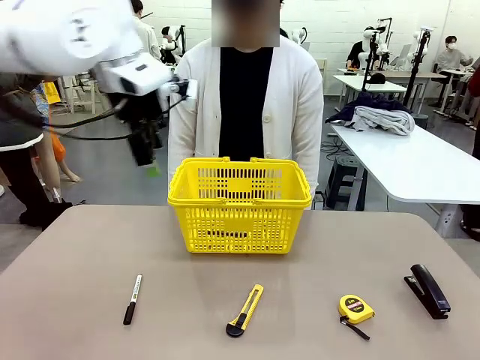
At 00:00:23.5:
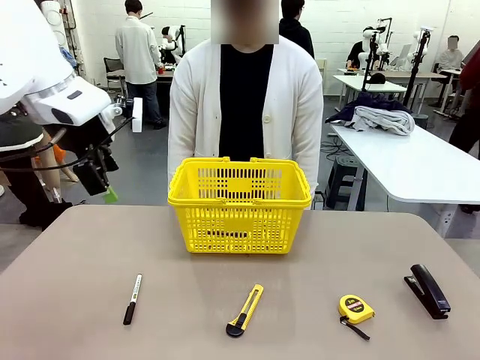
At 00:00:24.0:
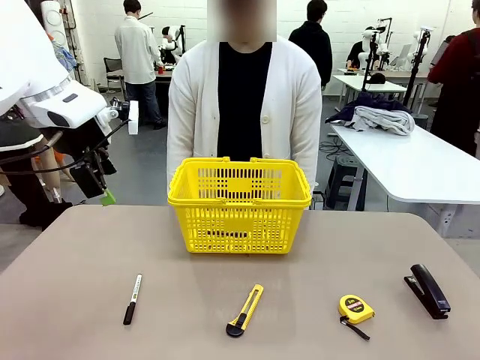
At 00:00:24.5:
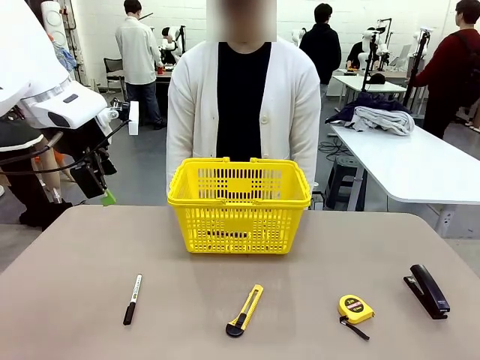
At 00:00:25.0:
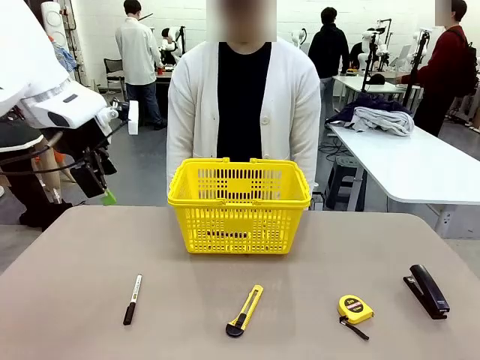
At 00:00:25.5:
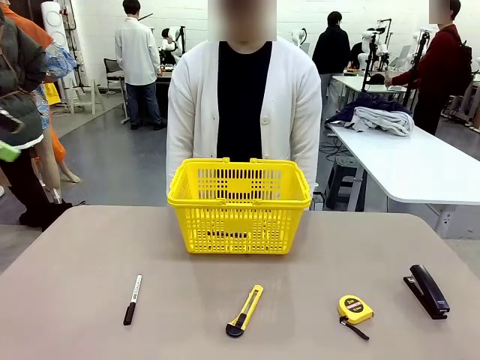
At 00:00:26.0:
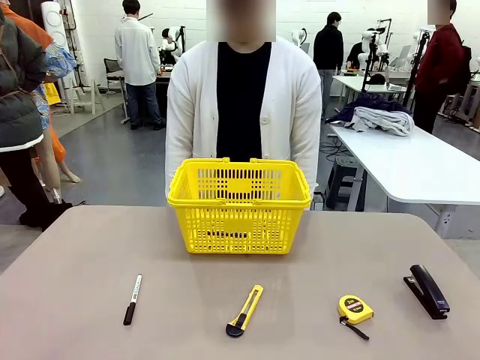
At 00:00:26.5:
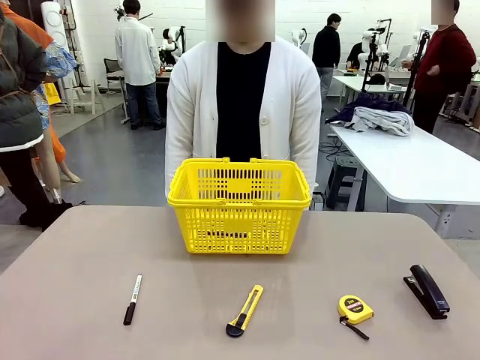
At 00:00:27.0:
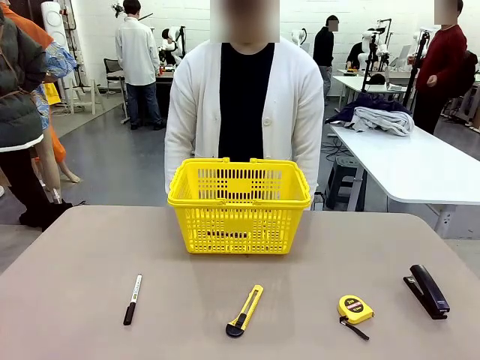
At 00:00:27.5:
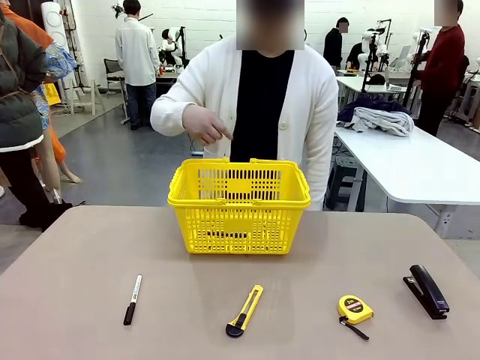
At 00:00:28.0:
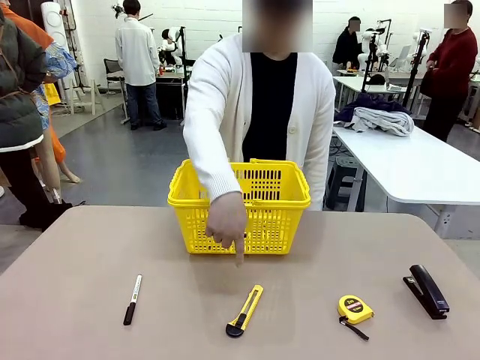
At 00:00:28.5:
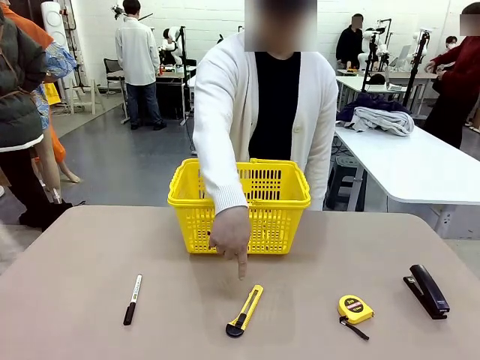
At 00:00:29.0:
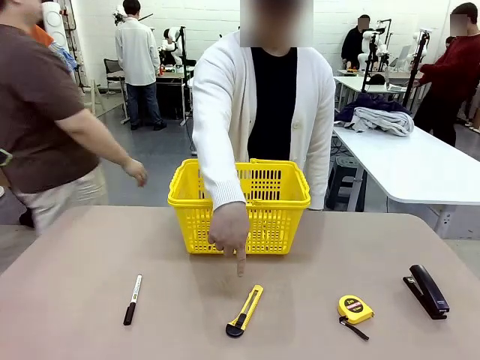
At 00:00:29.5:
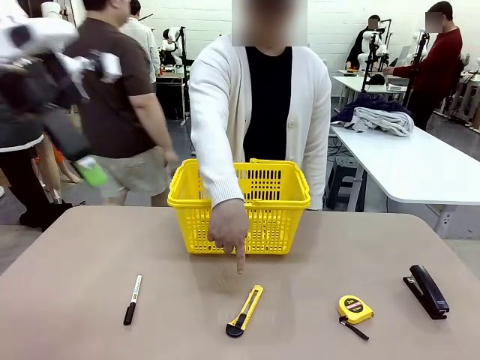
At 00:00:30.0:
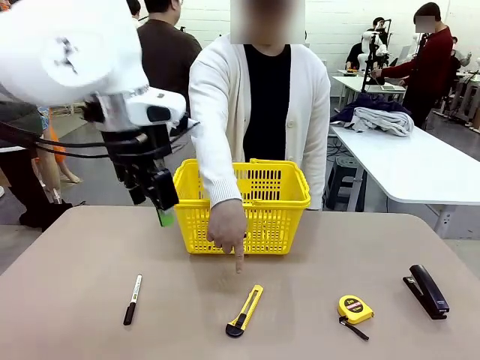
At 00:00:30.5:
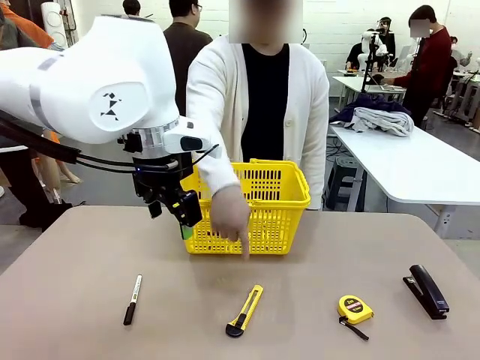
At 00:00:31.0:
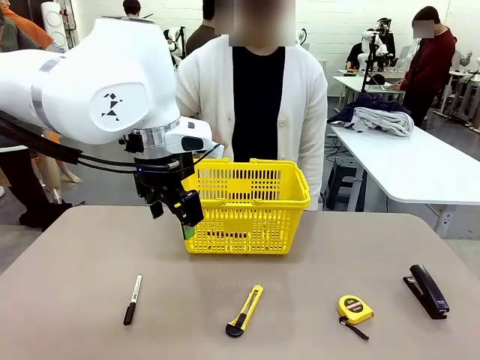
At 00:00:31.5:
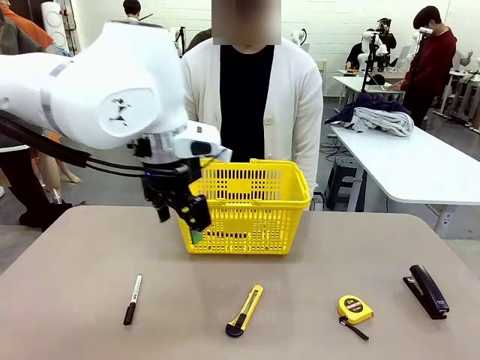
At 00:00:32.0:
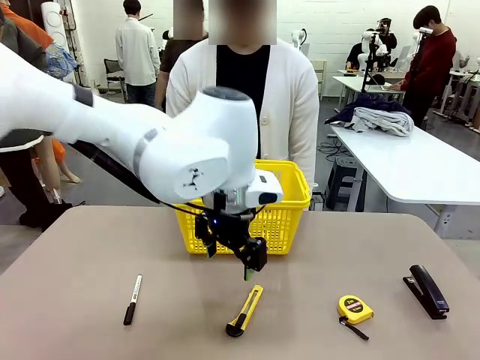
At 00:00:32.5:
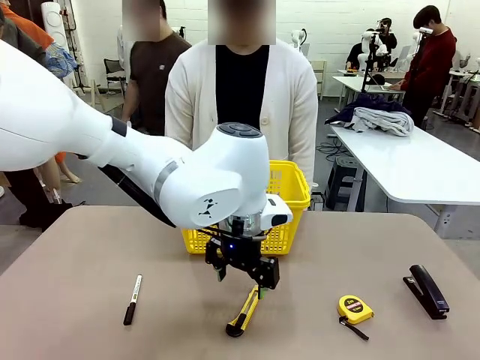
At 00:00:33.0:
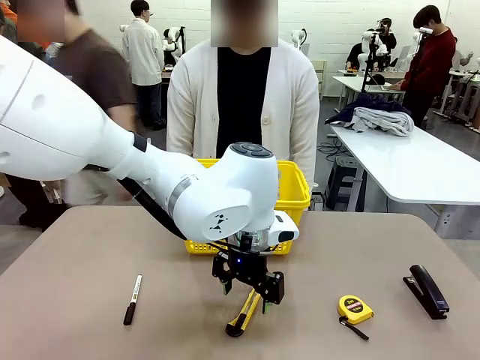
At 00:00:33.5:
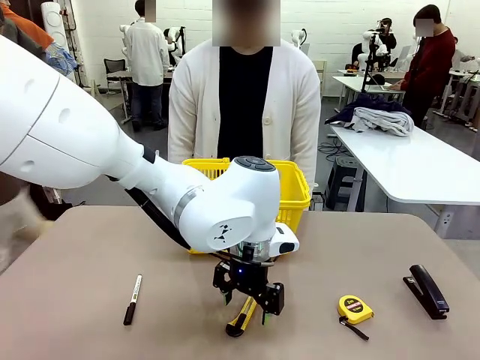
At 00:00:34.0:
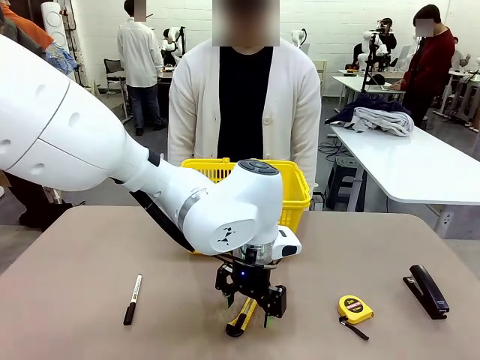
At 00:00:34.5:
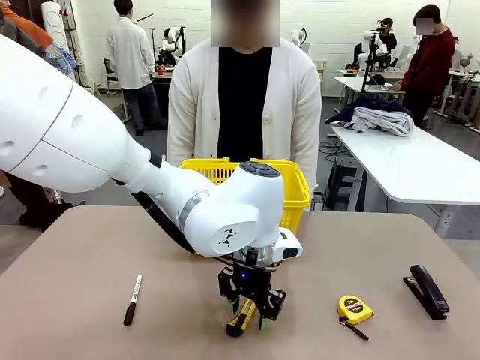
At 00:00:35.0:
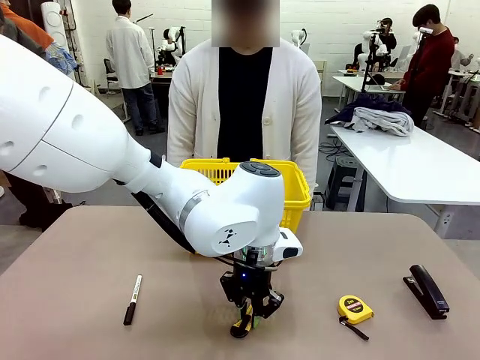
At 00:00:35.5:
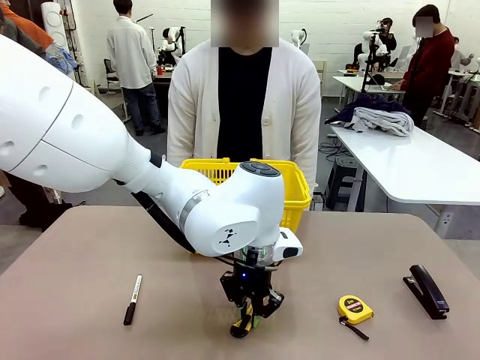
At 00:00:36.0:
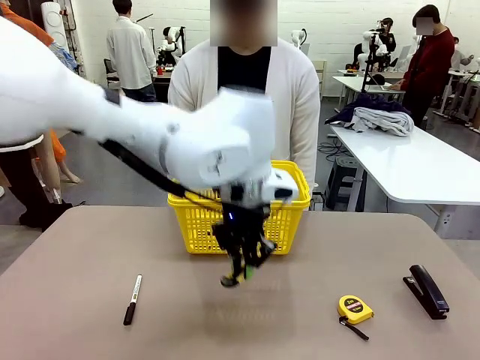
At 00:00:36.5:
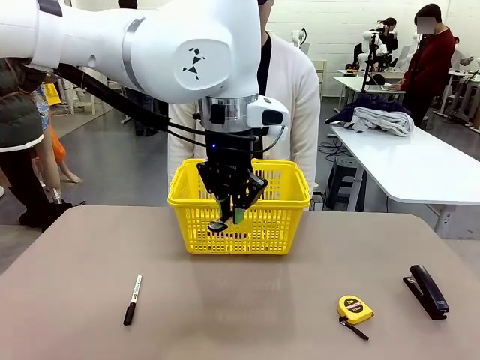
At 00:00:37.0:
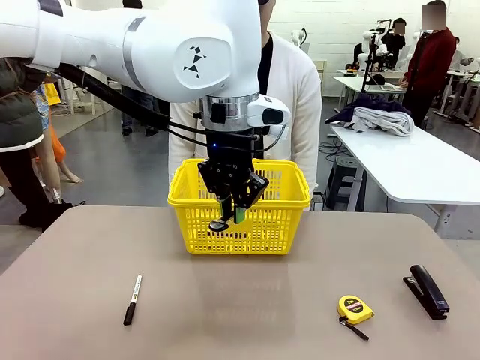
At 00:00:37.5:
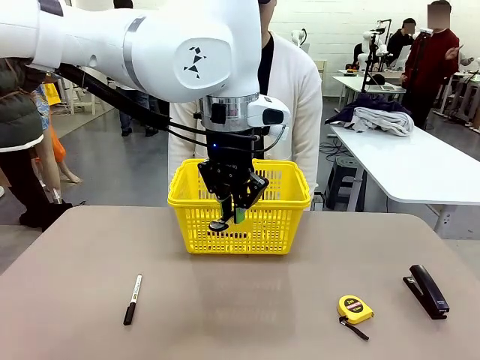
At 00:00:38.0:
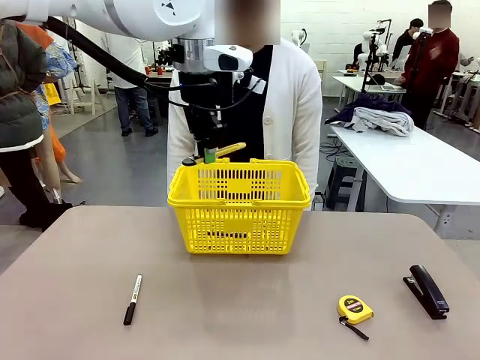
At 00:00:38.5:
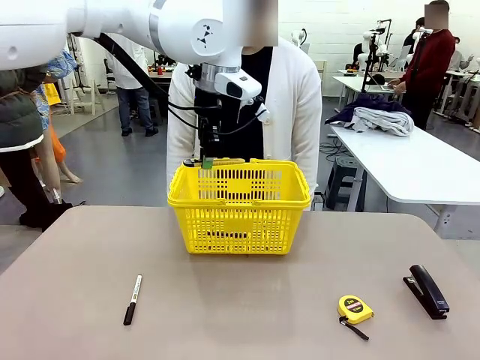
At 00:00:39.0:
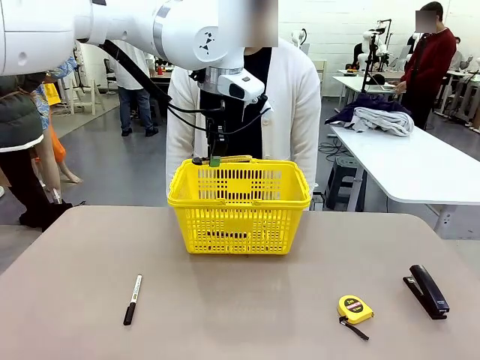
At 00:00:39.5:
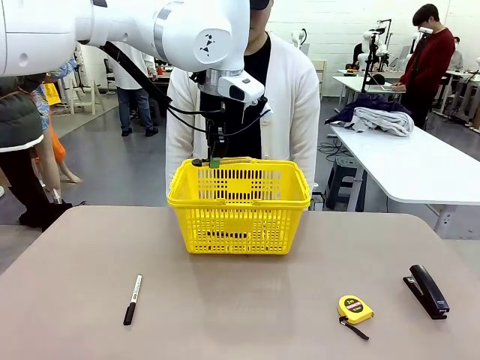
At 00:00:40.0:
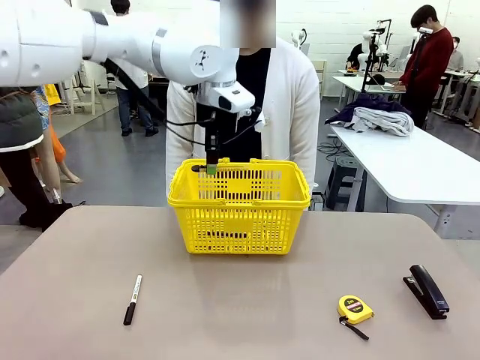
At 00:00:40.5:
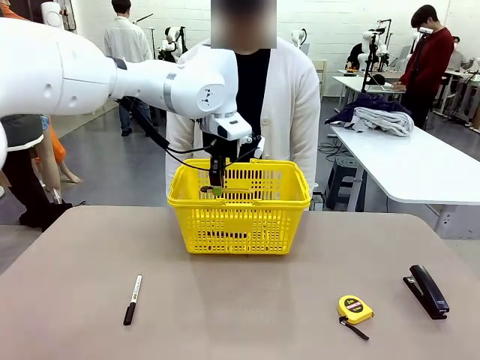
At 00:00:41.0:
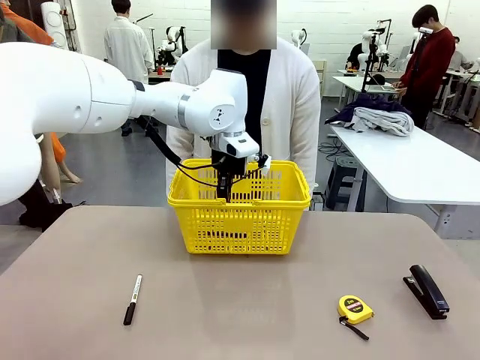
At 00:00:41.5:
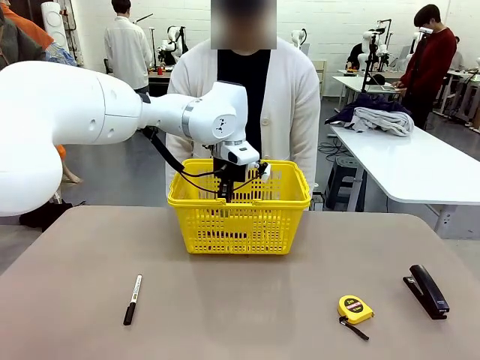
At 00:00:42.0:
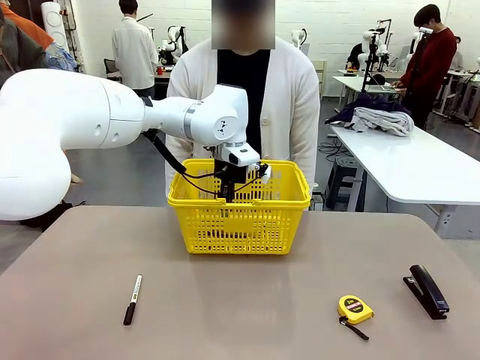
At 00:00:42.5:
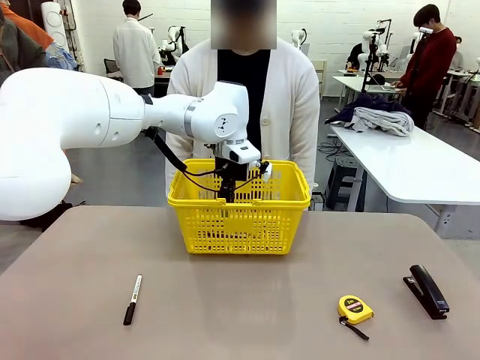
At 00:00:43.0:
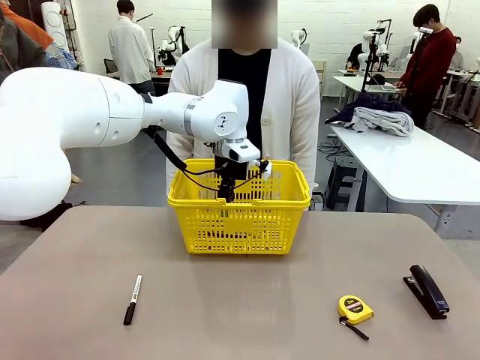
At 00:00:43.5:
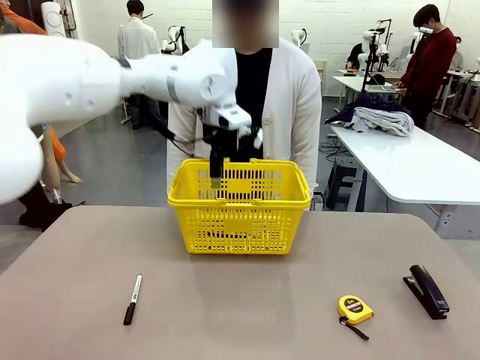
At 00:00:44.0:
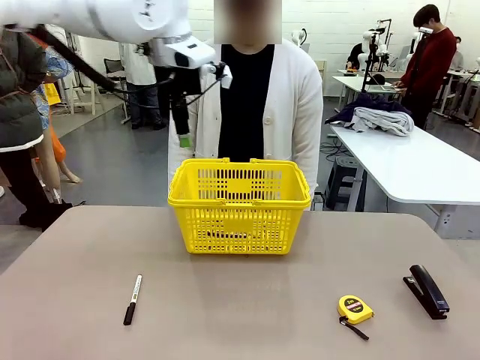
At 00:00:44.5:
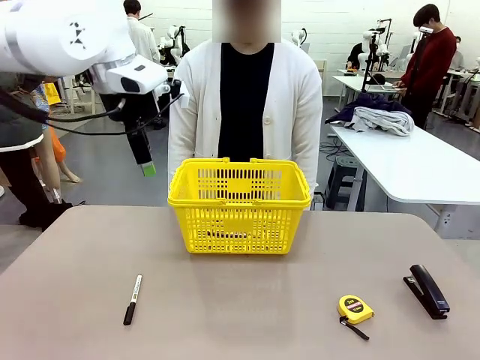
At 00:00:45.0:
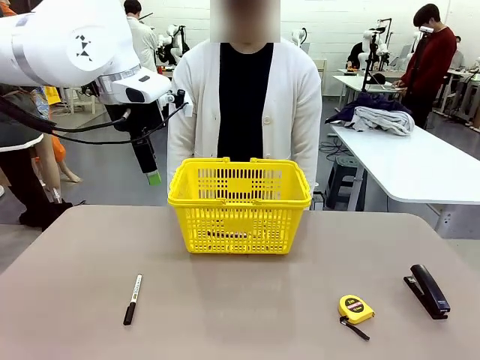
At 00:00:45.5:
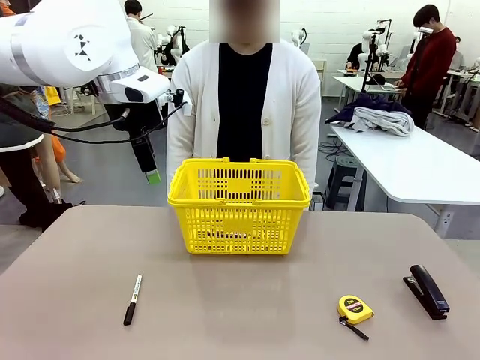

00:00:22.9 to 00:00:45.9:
Task: Place the items the person wants into the basket.
Robot: Pick up the item the person points to and place it in the Market Basket.
